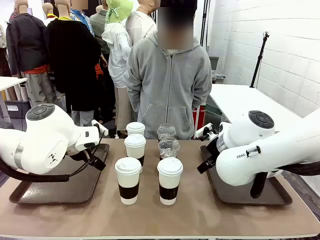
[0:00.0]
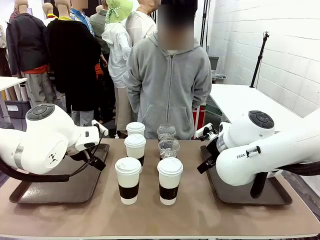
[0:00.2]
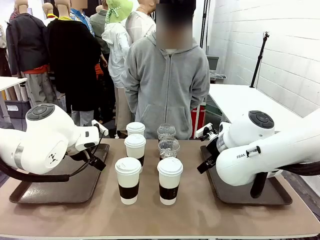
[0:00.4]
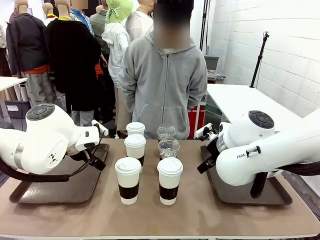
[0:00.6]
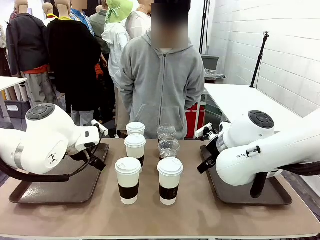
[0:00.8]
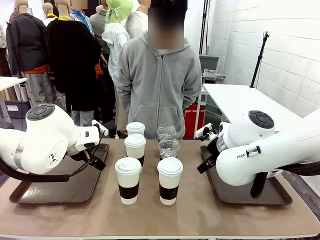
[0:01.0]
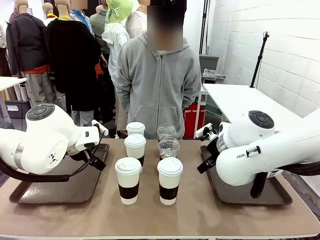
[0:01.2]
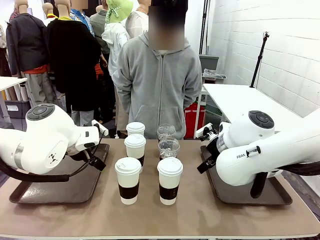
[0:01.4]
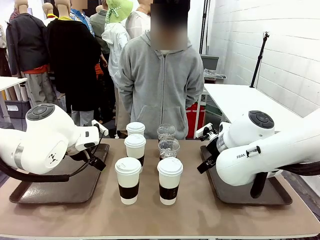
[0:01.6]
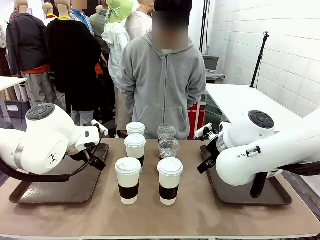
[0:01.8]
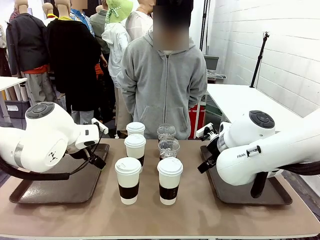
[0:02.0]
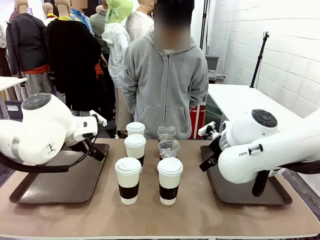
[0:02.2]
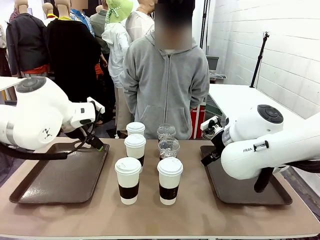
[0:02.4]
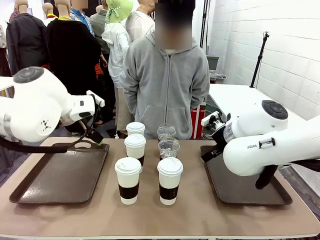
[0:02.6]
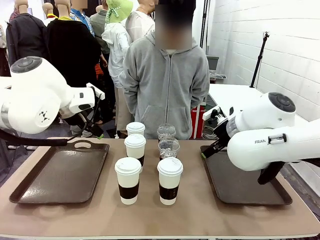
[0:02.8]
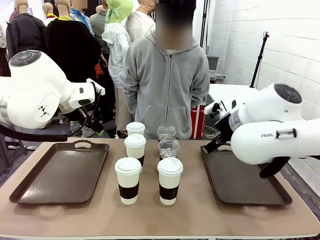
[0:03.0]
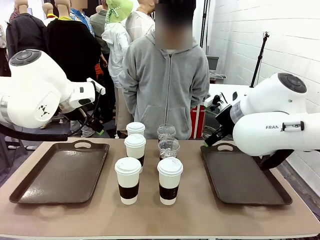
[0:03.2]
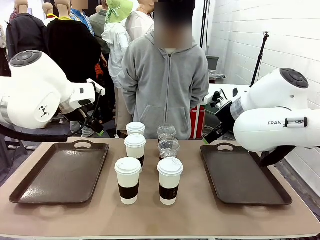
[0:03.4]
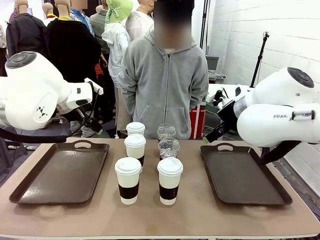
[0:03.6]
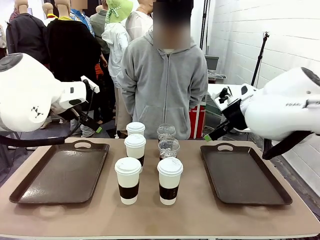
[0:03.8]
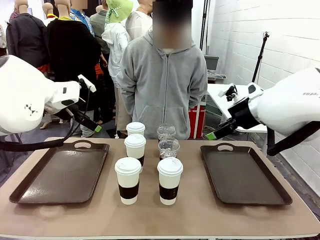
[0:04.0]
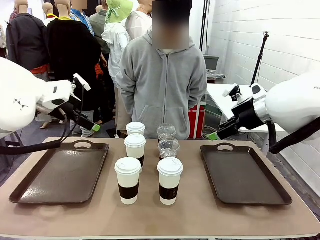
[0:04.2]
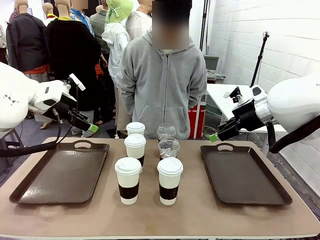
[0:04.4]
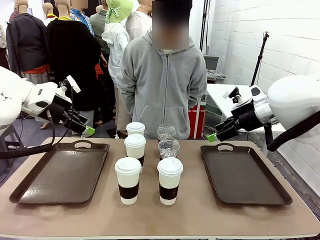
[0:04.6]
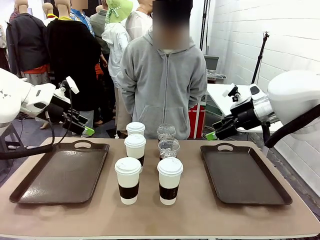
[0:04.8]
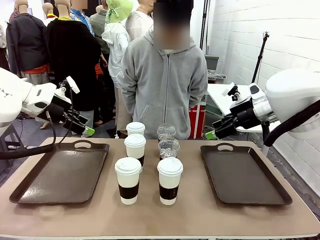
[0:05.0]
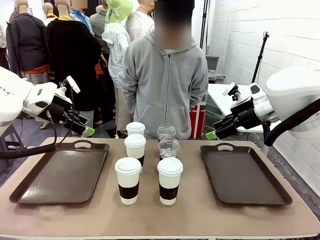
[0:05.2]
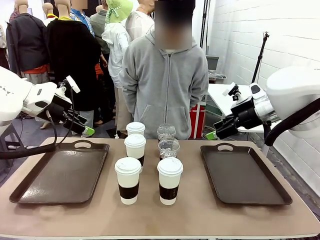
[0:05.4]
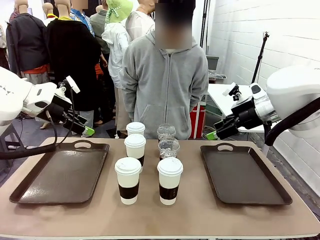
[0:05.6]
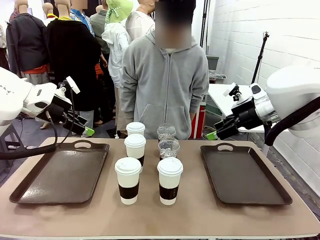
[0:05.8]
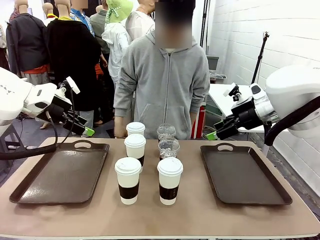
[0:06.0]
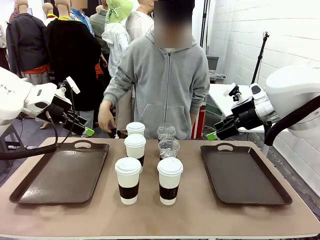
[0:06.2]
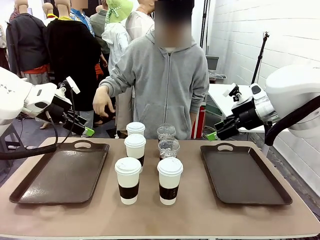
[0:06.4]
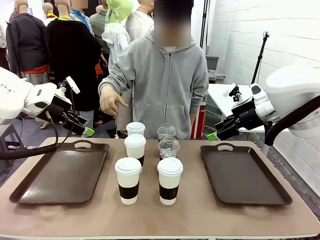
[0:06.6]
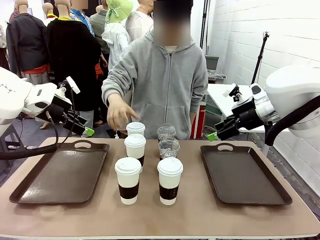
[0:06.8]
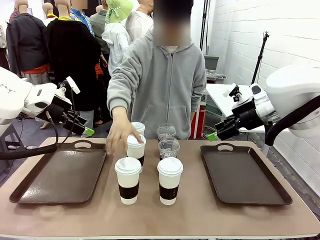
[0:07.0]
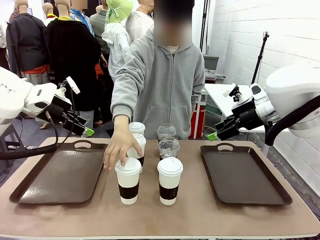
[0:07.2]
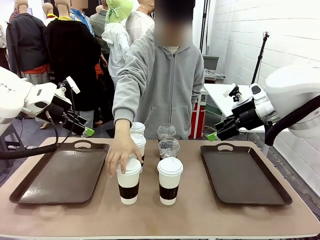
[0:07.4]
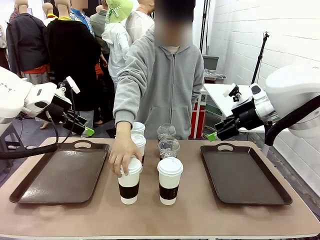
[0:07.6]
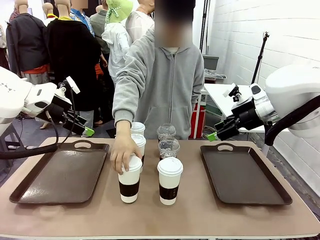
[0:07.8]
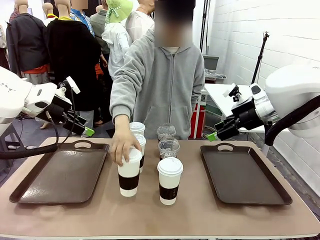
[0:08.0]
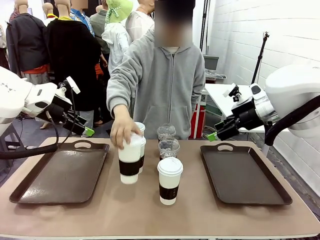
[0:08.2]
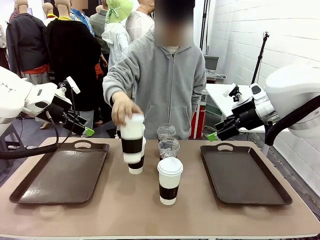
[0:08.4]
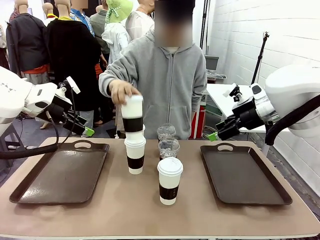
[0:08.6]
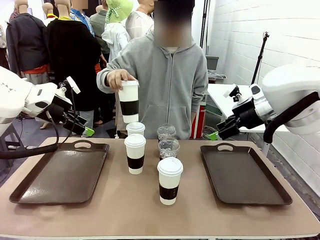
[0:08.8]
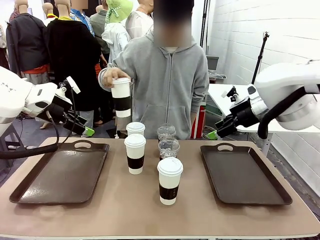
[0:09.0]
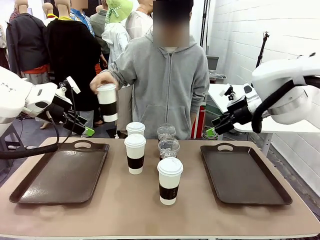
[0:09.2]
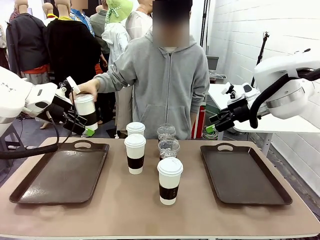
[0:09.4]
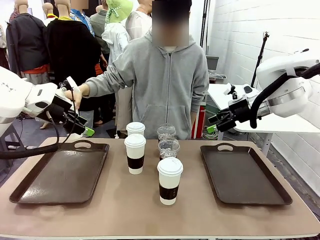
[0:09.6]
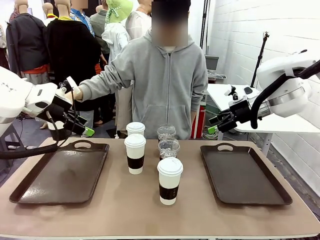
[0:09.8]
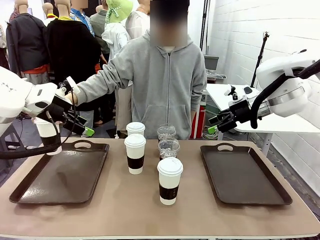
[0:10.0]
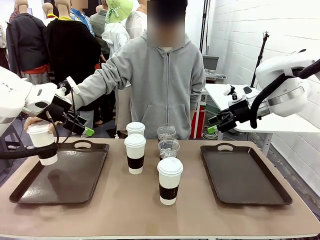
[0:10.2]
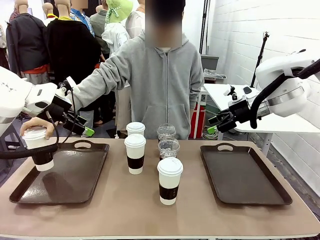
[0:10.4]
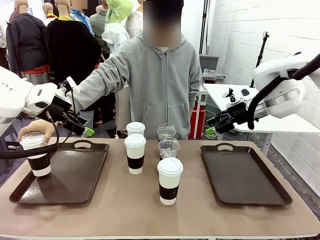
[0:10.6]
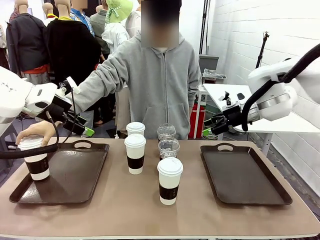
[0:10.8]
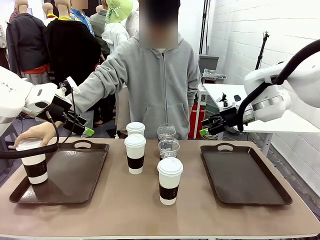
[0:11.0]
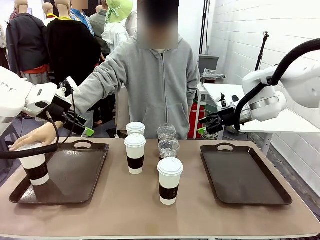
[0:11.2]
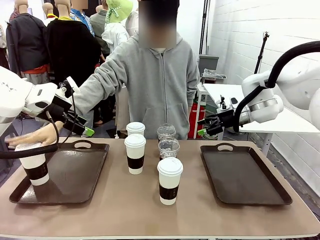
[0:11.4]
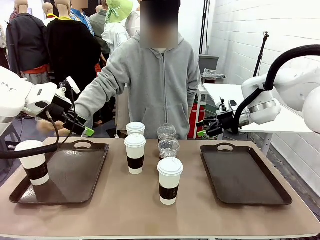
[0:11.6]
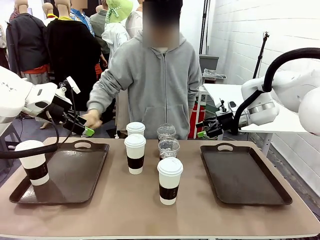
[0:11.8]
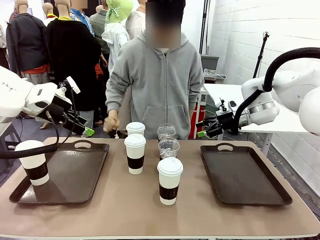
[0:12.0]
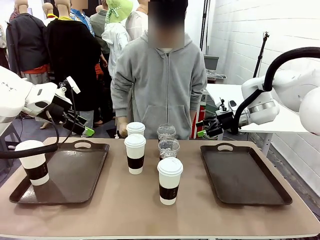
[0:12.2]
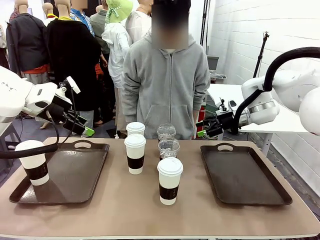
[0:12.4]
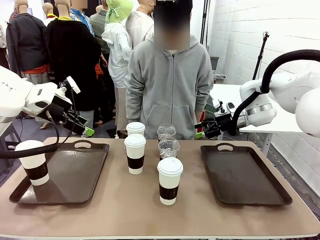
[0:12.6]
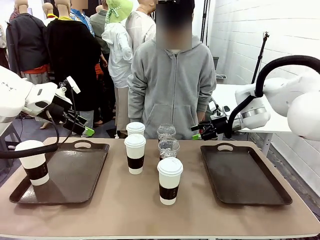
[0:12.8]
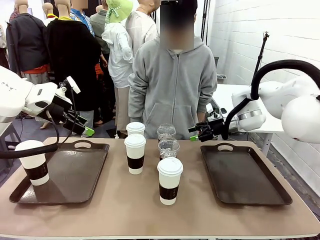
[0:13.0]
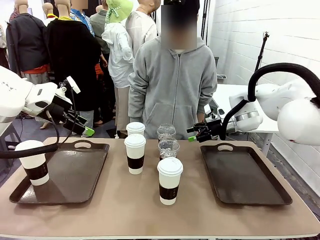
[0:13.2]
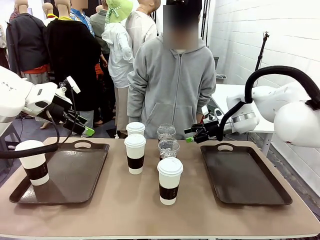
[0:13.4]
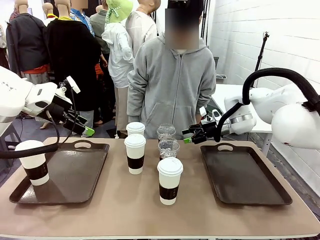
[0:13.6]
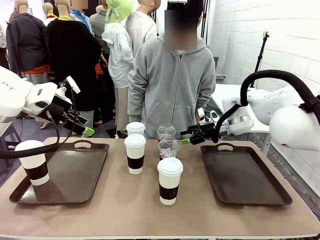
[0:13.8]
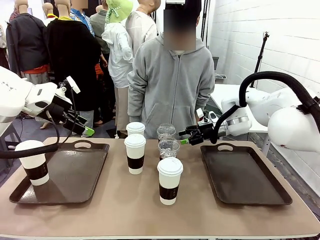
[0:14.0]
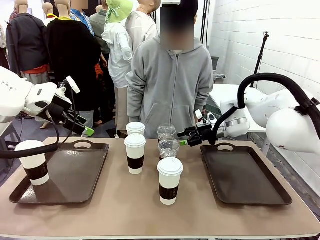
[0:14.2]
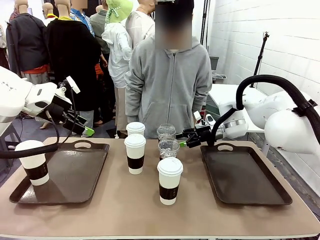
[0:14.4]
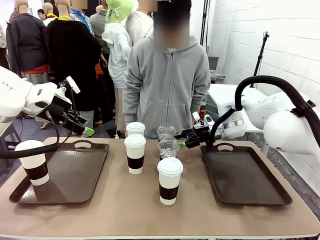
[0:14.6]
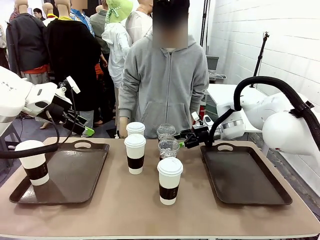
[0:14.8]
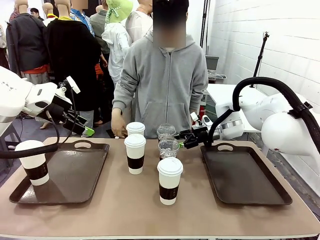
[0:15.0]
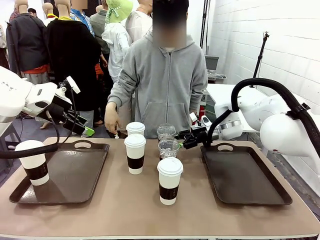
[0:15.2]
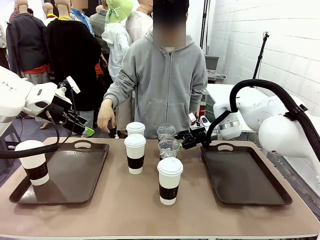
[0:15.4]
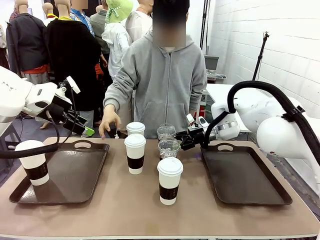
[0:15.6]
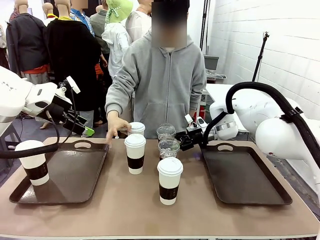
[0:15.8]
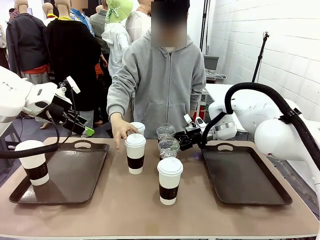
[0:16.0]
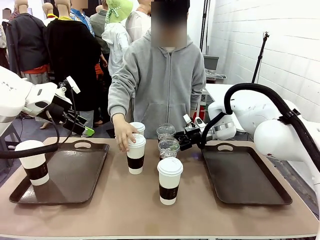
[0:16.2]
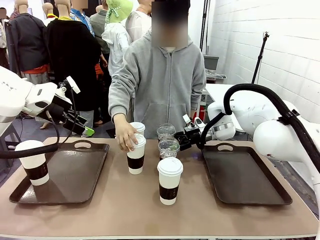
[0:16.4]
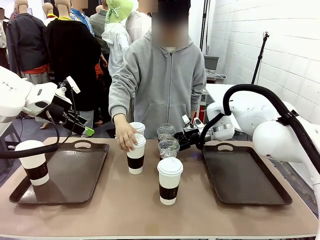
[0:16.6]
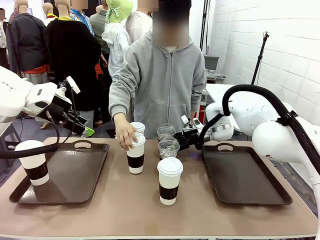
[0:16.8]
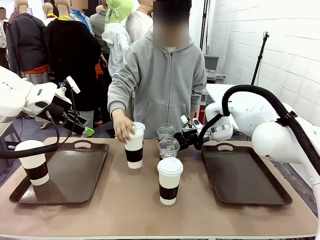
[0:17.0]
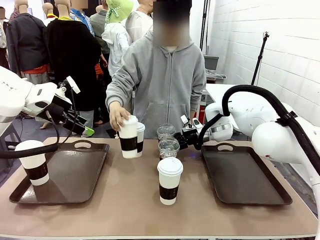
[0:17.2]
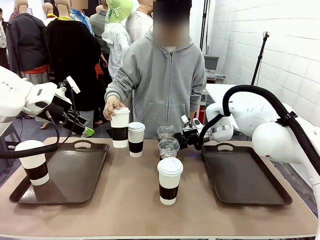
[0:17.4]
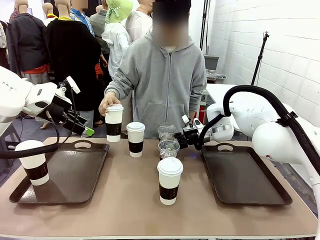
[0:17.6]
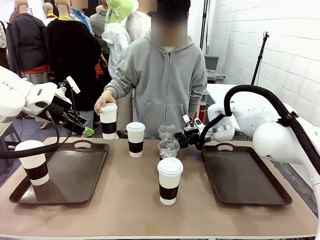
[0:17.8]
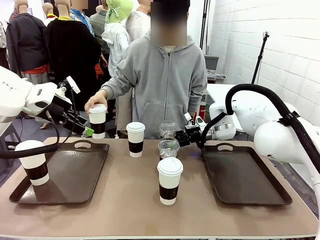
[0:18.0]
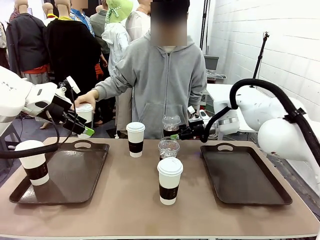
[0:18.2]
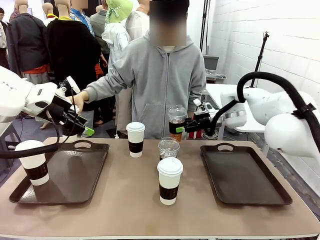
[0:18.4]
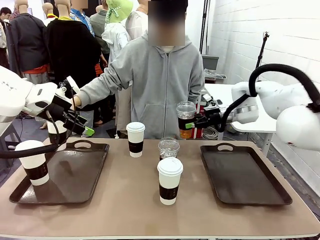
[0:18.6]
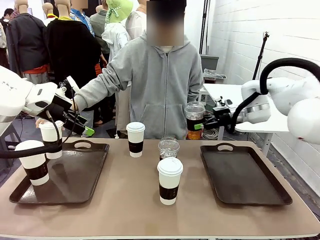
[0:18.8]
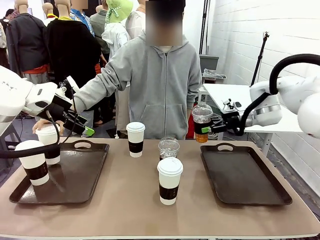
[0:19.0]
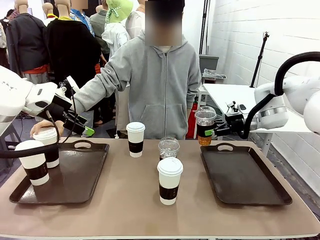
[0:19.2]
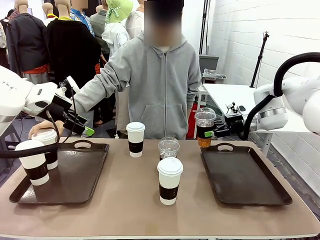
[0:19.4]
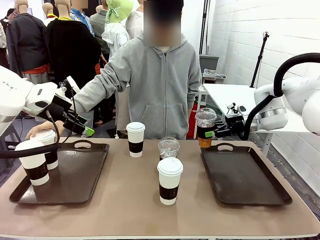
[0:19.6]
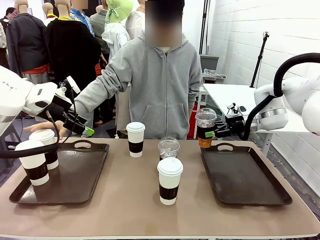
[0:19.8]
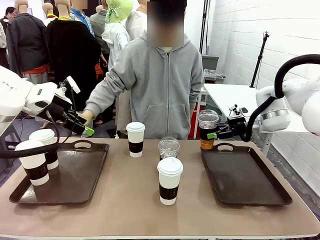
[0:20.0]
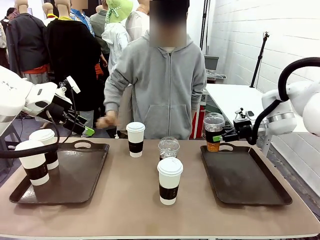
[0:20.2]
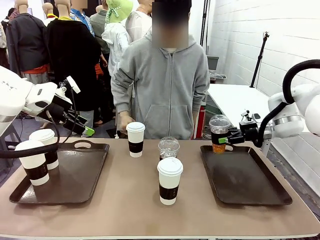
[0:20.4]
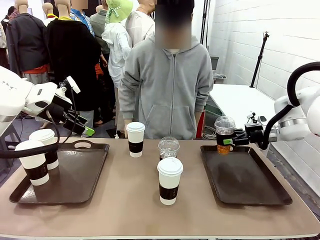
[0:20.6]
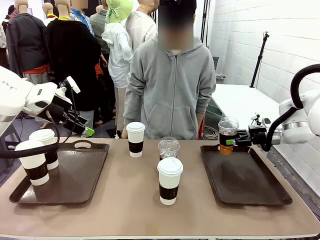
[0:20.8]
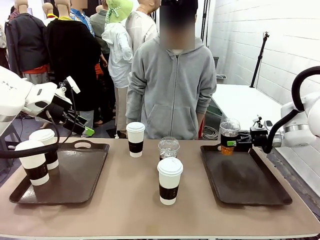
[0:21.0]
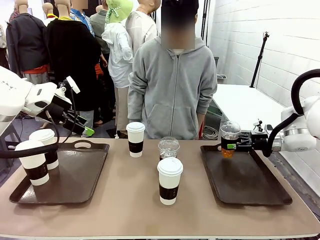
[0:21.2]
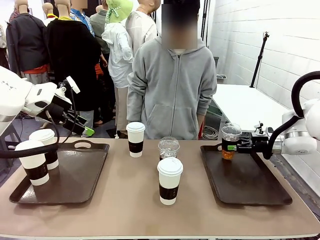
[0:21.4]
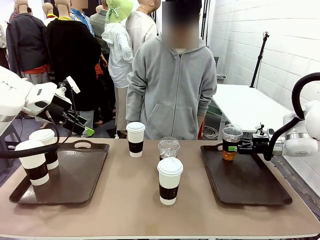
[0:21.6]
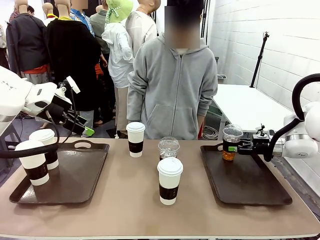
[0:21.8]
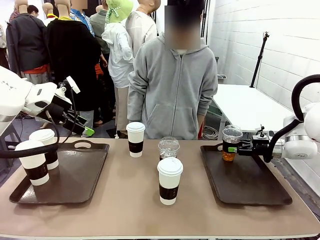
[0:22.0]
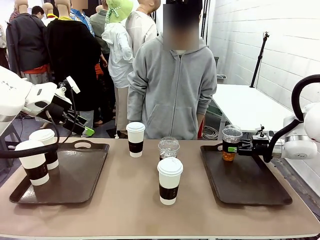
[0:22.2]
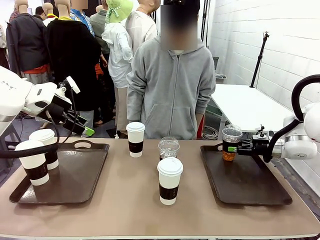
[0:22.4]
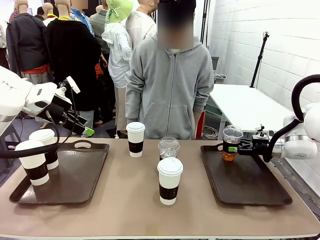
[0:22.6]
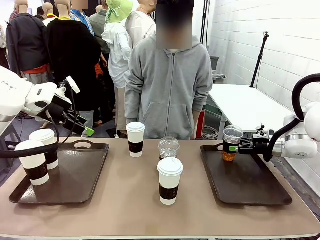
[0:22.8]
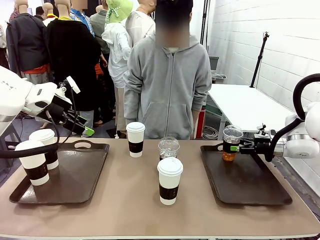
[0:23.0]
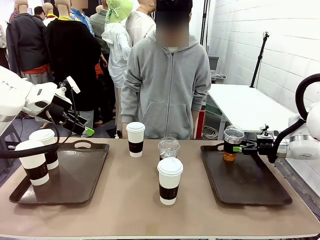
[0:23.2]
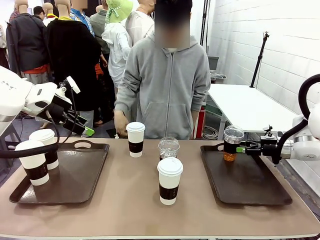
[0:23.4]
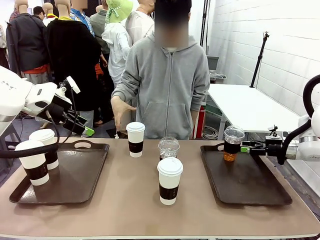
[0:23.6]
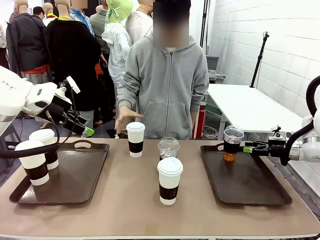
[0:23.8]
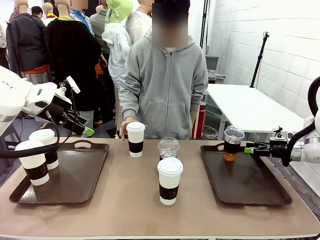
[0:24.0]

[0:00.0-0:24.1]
Task: Distribute the coffee onto the tray.
Robot: Pick up one iced Americano and place it on the right Handle tray.
Person: Pick up a cup of hot Americano and place it on the right tray.
